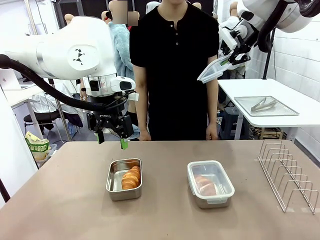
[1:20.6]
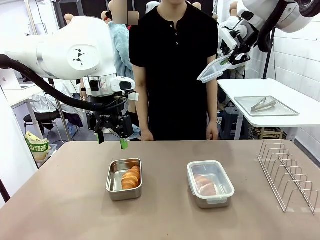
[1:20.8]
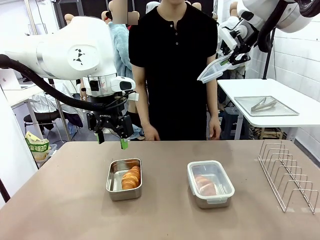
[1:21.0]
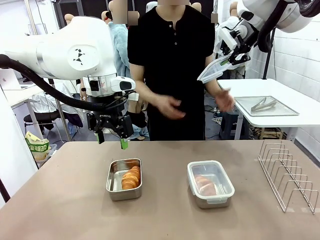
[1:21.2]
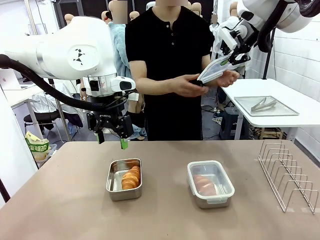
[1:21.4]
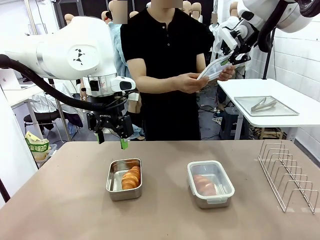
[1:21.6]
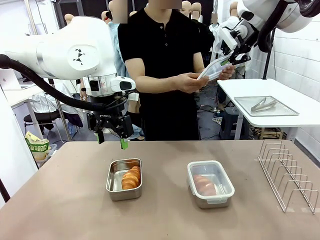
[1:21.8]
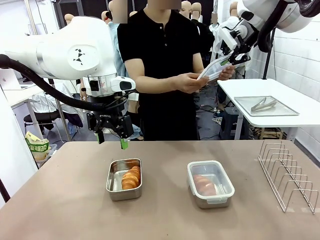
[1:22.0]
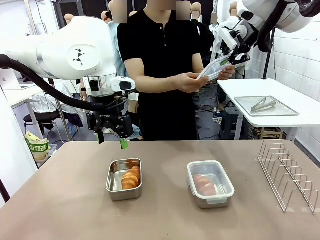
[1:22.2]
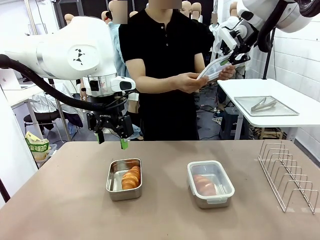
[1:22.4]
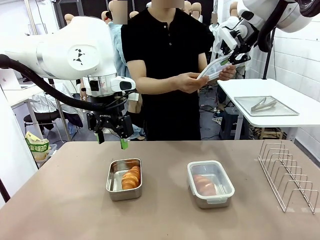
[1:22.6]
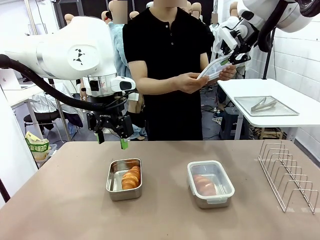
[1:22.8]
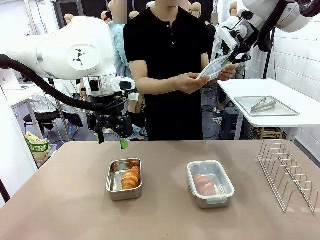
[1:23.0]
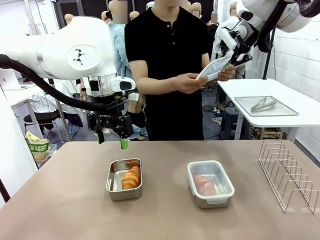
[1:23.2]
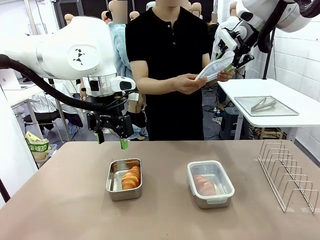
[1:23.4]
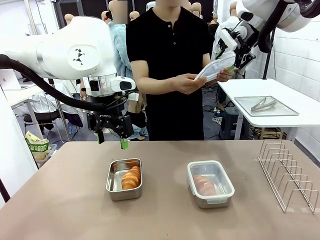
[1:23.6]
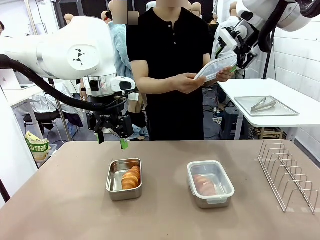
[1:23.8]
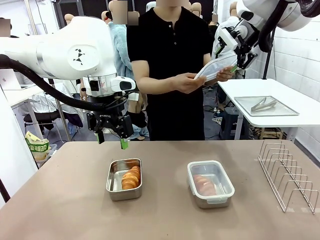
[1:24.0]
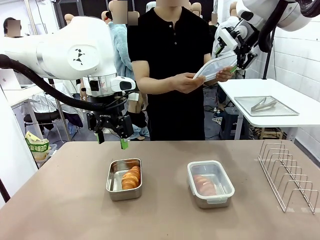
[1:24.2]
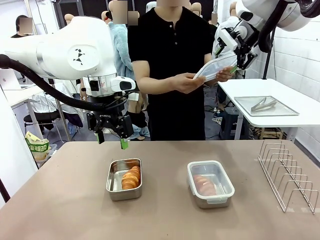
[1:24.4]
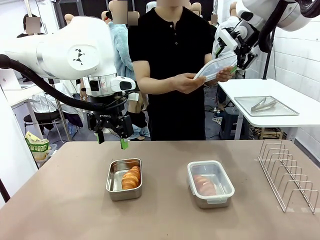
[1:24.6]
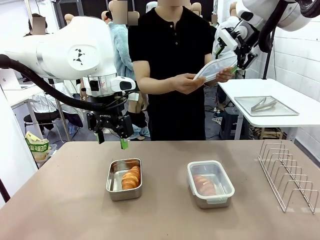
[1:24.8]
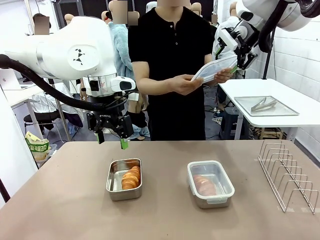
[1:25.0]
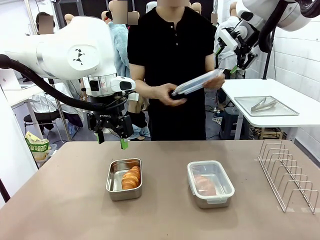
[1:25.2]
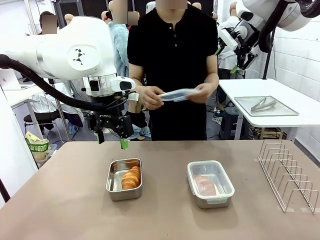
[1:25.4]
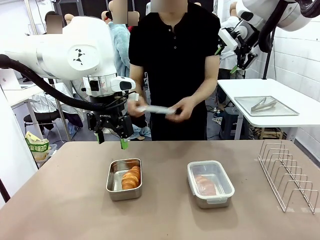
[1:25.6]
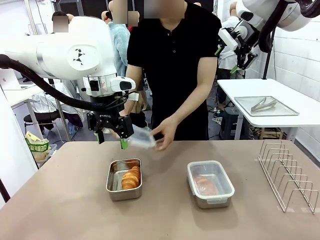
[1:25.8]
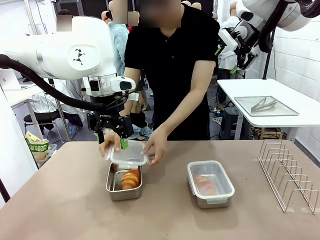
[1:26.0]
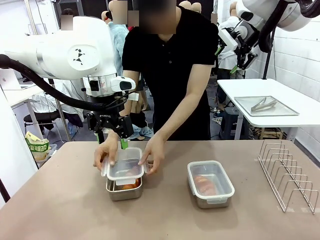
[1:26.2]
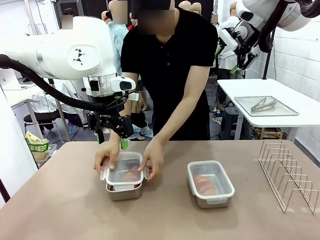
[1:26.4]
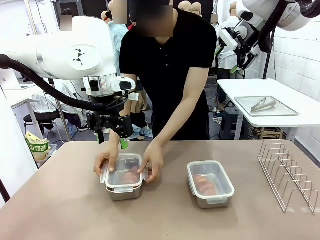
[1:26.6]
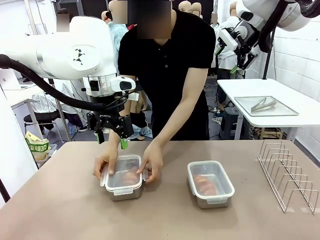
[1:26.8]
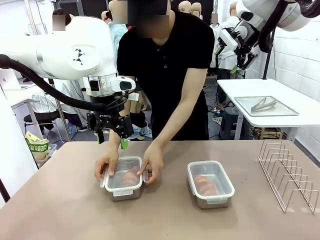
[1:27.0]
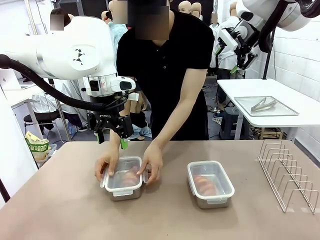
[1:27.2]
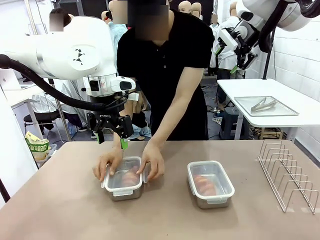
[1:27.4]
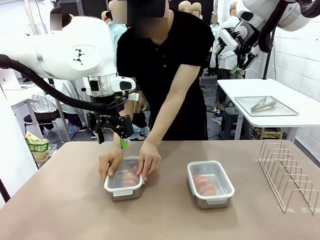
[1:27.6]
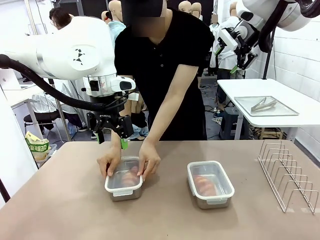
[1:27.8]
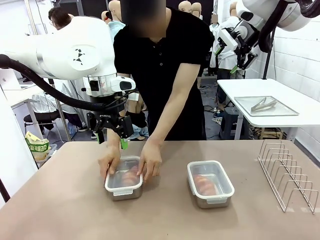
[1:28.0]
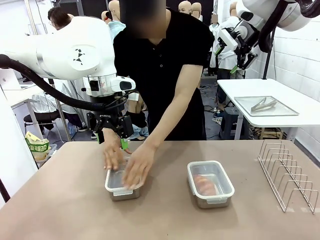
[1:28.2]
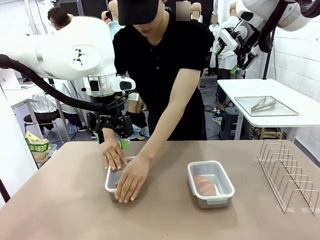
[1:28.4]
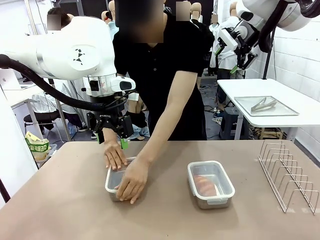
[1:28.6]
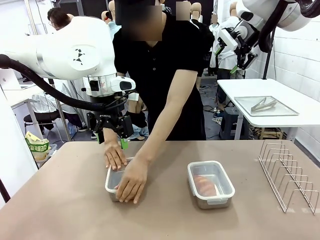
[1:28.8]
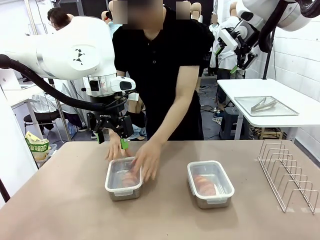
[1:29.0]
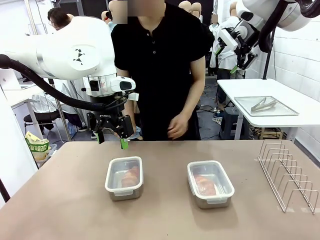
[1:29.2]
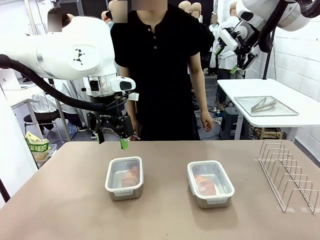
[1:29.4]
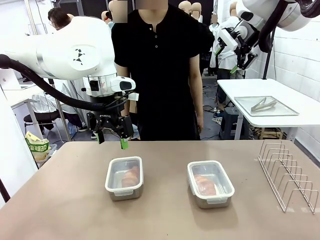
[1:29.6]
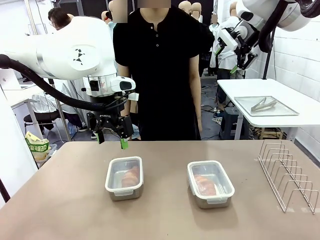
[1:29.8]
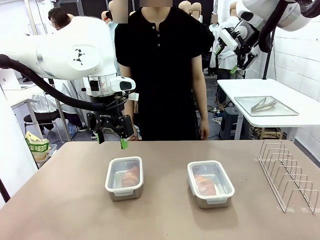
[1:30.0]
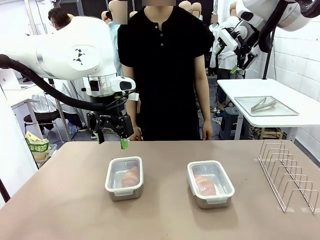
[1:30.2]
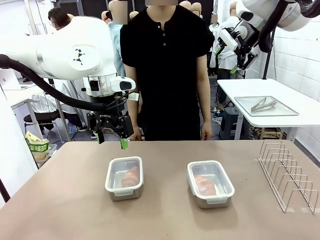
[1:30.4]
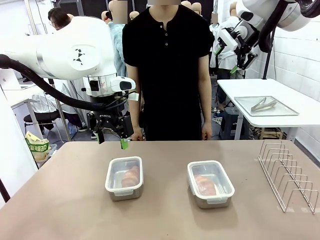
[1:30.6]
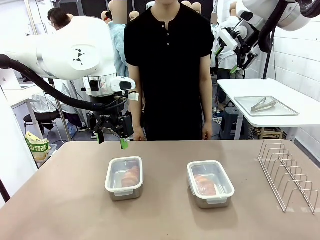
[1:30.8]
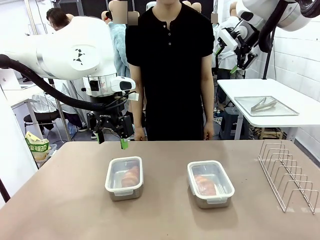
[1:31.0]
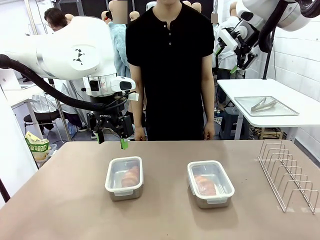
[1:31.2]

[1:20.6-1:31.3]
Task: Place the bread in airtight containers.
Robot: Release when the human grabs the Airtight Container lid.
Person: Close Airtight Container with a handed Airtight Container lid.

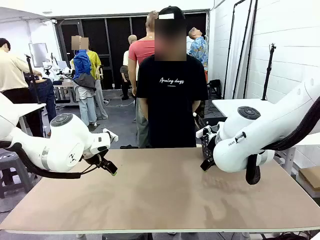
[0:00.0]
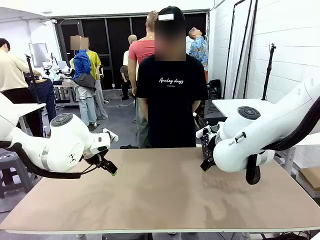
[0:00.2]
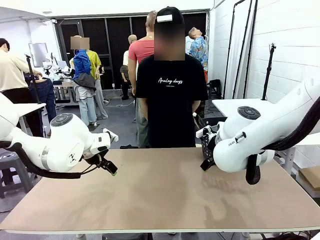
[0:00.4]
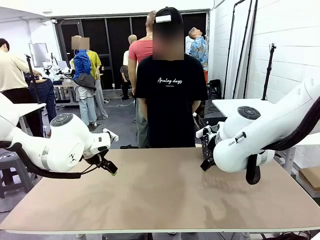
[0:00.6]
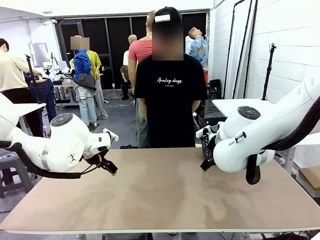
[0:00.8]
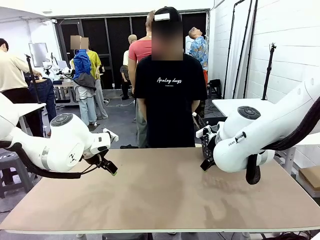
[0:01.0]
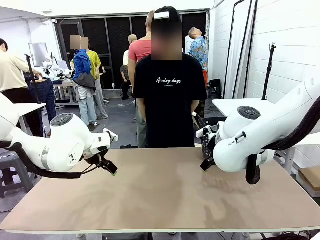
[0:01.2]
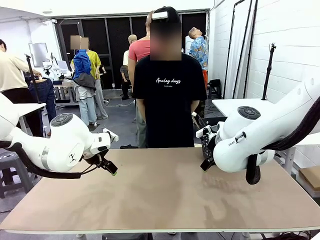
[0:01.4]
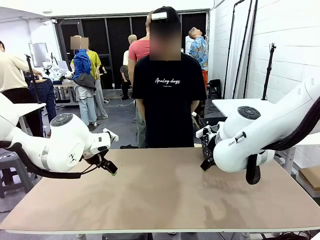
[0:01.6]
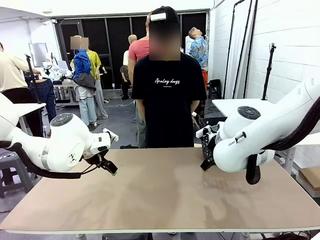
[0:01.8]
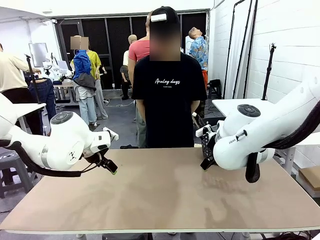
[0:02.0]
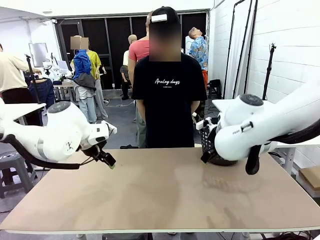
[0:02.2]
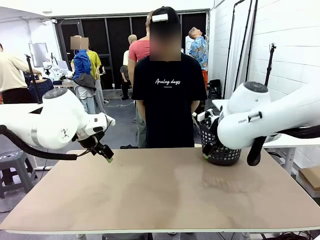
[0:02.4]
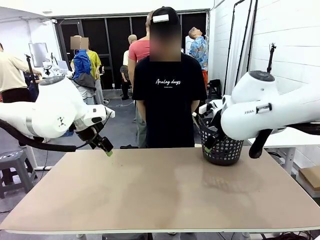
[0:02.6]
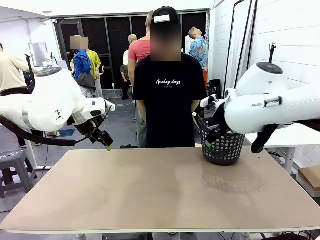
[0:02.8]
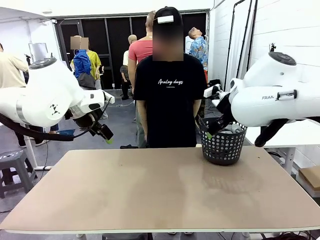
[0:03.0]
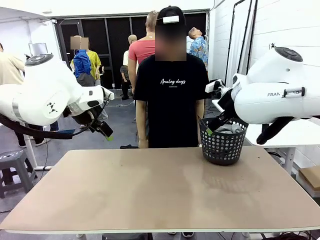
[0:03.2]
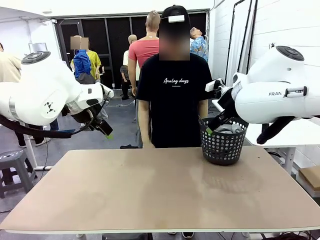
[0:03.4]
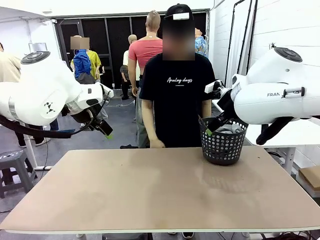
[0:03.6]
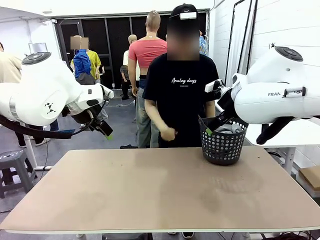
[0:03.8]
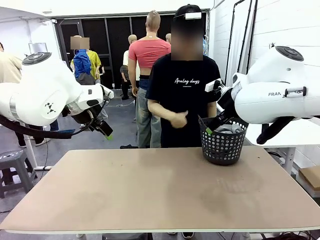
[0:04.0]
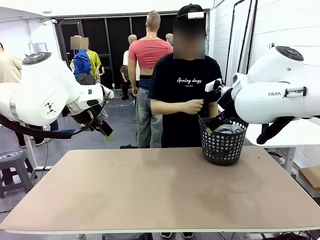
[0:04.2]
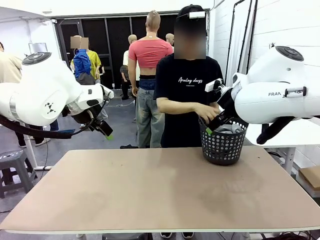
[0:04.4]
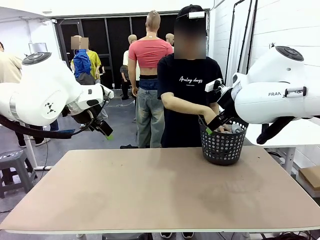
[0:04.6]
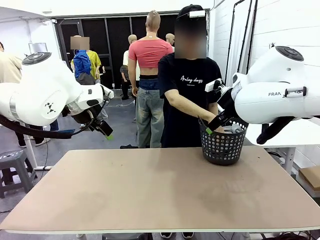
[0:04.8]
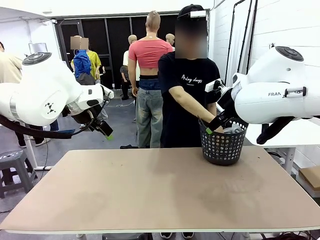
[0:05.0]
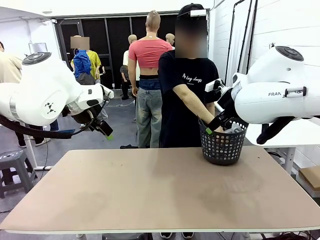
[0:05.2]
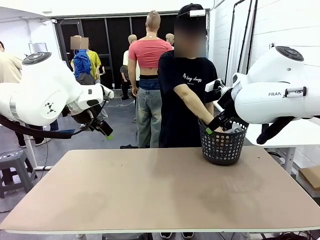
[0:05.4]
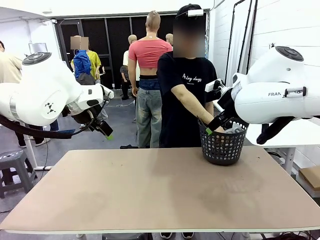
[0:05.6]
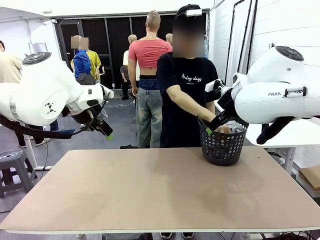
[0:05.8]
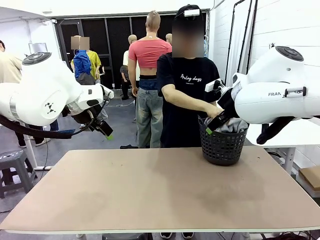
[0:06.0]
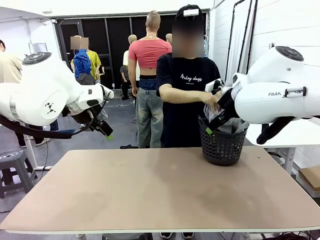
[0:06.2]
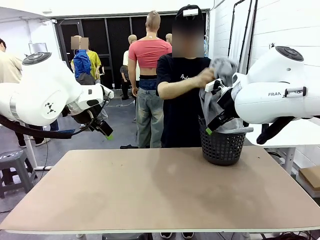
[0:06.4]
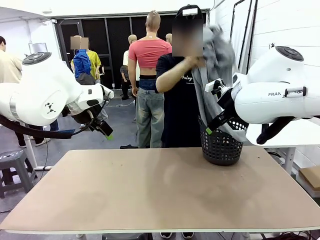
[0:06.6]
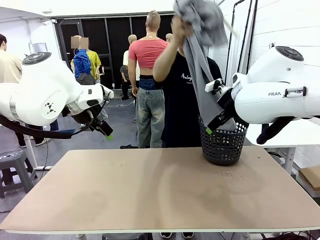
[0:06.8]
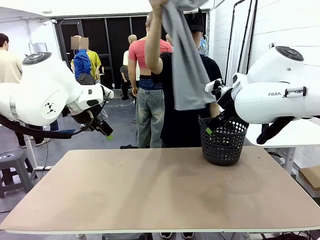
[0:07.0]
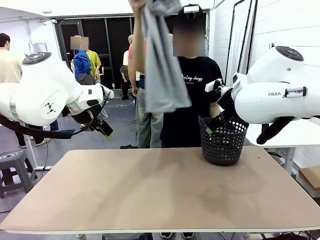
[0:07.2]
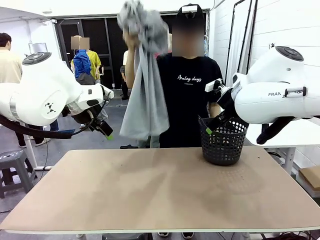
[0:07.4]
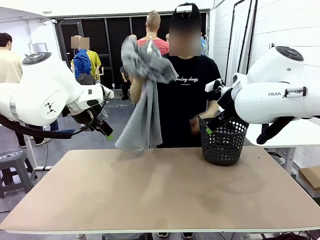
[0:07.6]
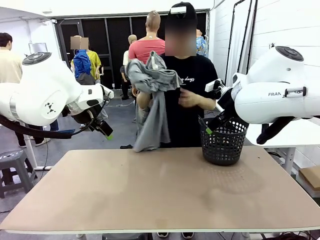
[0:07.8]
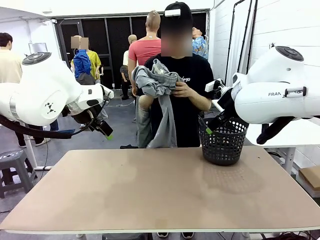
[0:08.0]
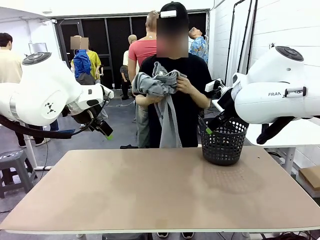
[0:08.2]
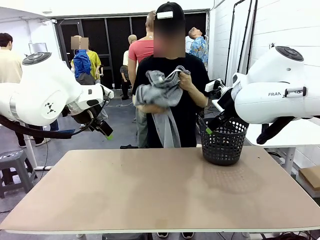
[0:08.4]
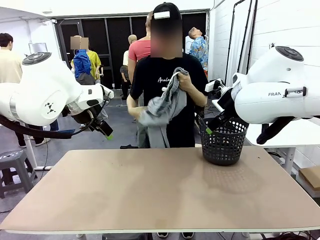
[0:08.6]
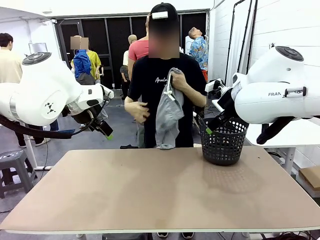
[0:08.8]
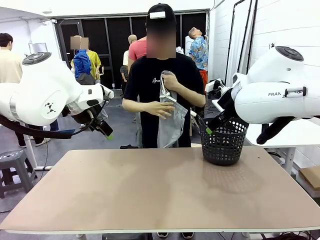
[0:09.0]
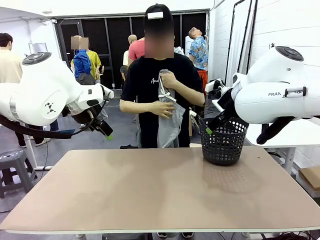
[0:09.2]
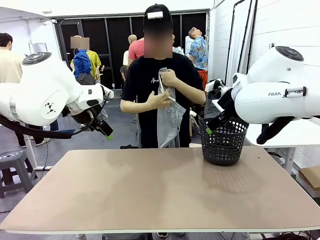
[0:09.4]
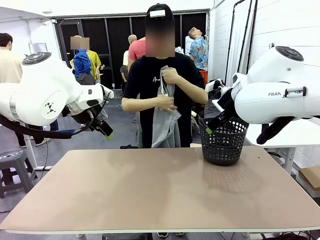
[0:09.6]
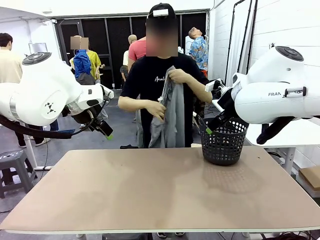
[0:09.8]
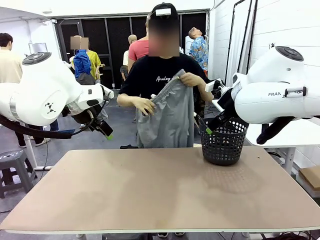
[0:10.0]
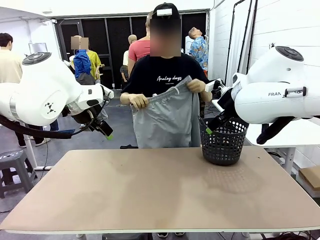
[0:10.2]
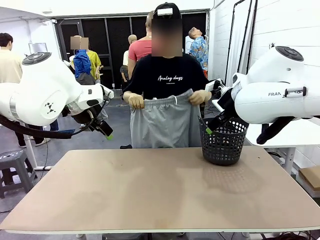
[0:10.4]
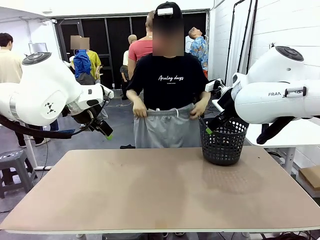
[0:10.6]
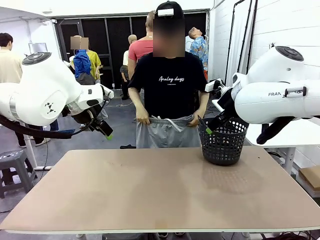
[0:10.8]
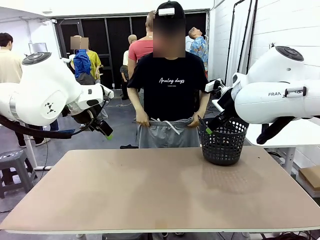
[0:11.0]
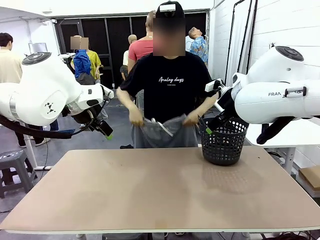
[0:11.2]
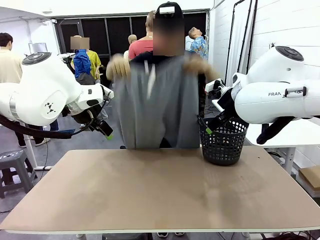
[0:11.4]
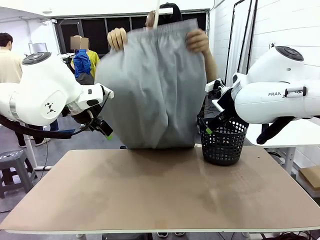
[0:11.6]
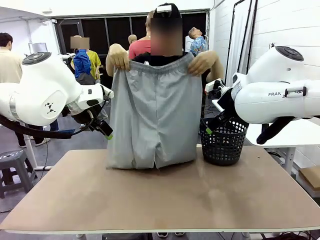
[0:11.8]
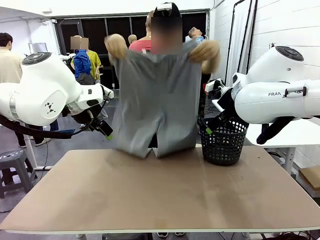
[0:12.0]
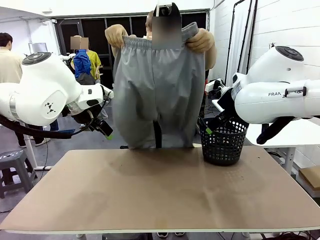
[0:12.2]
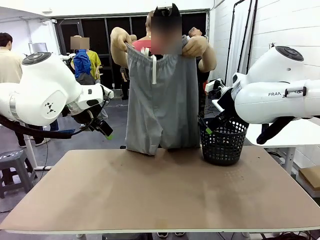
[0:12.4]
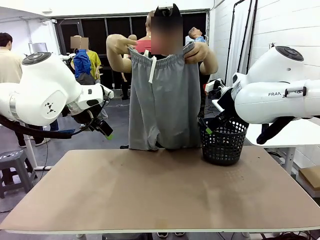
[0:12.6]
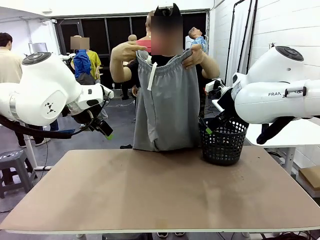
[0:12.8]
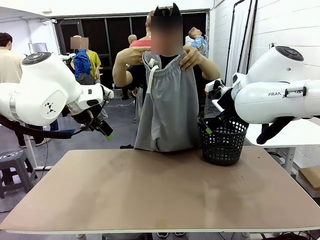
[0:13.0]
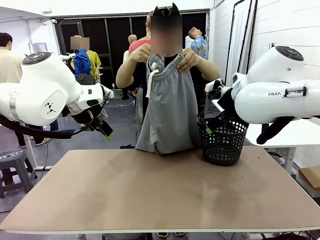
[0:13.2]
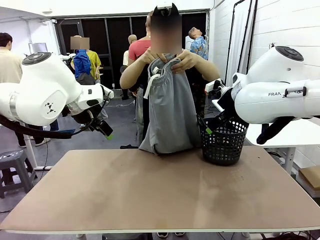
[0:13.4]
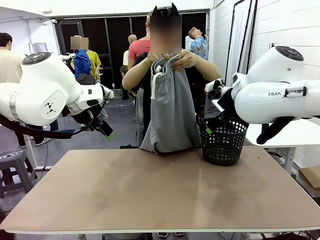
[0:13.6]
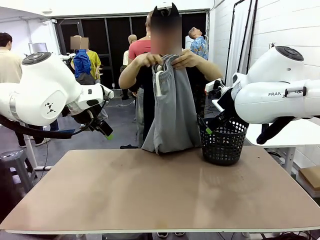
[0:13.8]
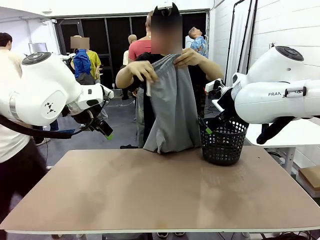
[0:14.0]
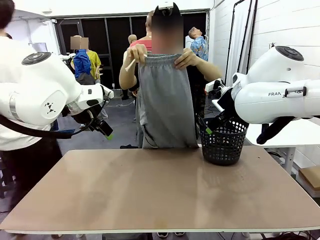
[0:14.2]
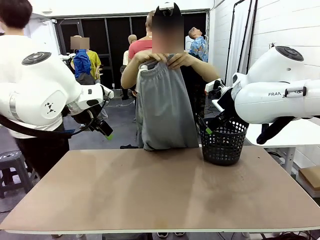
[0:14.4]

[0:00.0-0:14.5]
Task: Fold the training pants.
Robot: Grab both ends of the Training pants handed by a person.
Person: Take the long pants out of the laundry basket, unfold them, fold the waist in half, and extend them so the robot can pick up both corners.
